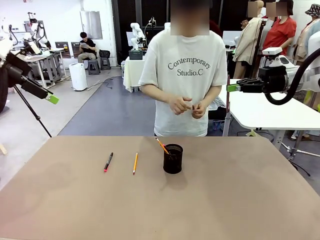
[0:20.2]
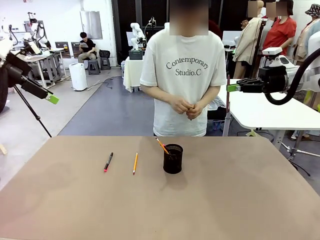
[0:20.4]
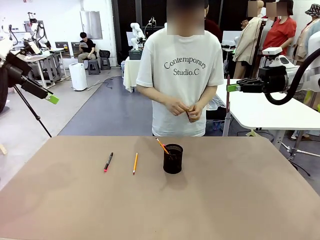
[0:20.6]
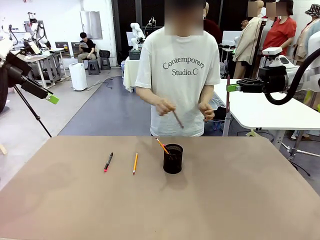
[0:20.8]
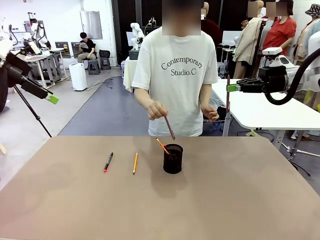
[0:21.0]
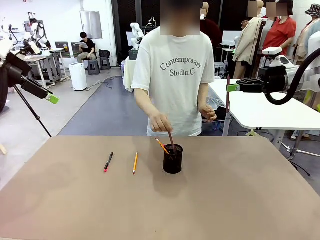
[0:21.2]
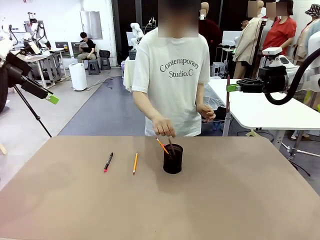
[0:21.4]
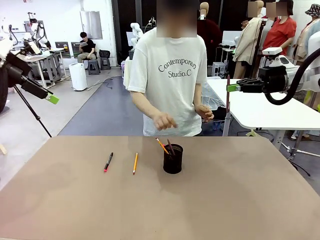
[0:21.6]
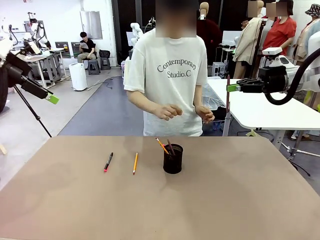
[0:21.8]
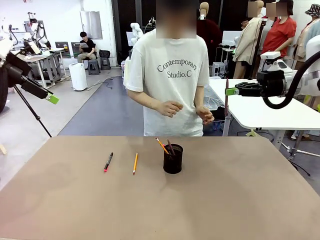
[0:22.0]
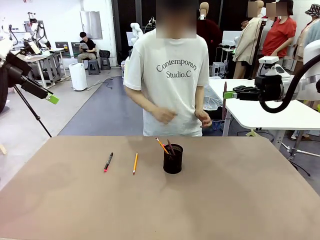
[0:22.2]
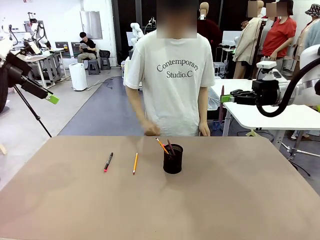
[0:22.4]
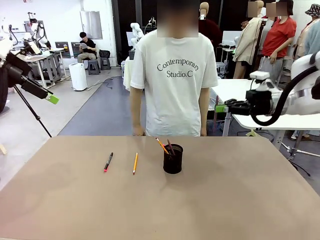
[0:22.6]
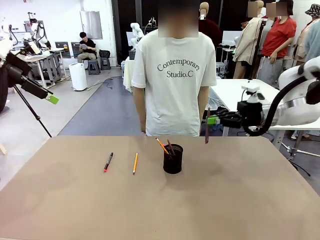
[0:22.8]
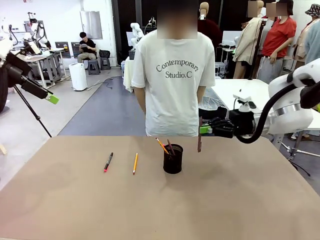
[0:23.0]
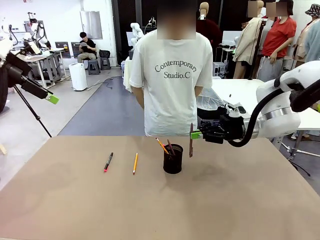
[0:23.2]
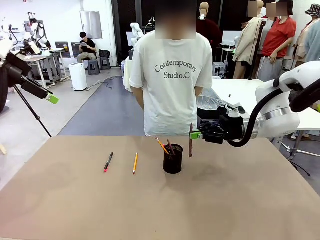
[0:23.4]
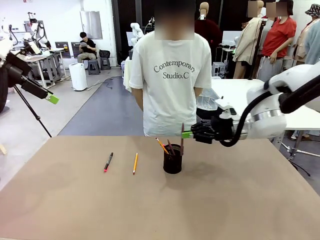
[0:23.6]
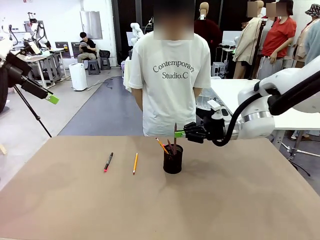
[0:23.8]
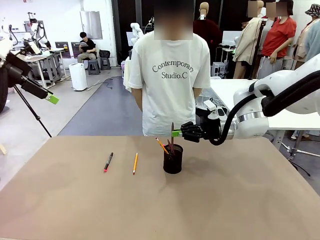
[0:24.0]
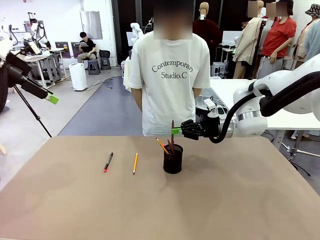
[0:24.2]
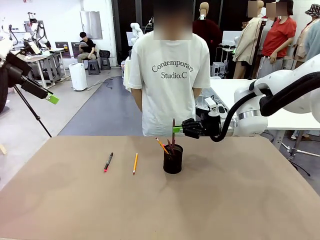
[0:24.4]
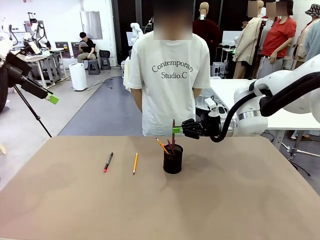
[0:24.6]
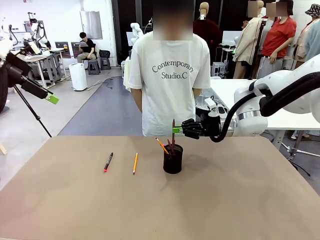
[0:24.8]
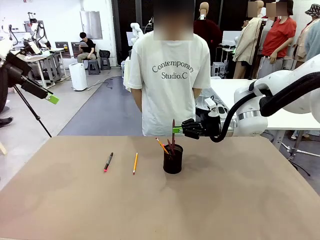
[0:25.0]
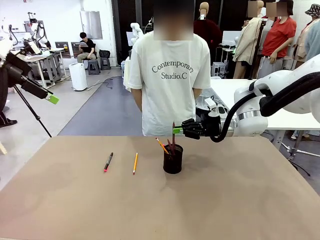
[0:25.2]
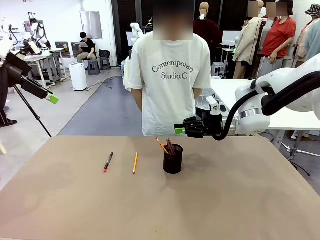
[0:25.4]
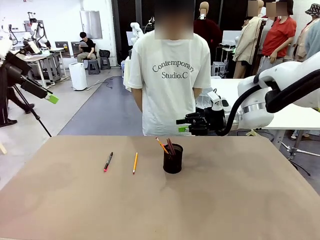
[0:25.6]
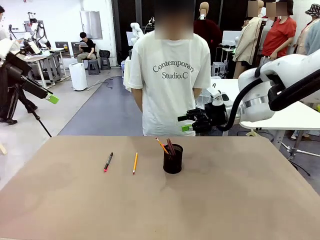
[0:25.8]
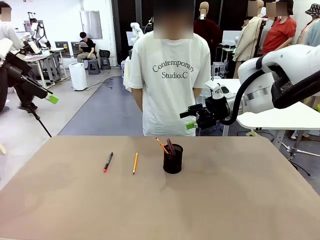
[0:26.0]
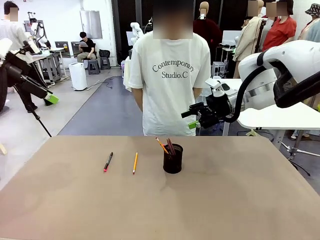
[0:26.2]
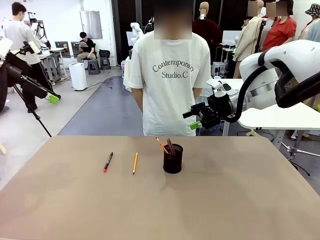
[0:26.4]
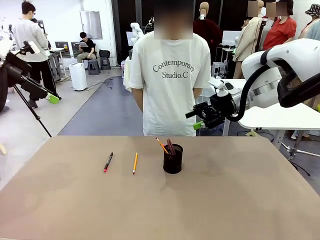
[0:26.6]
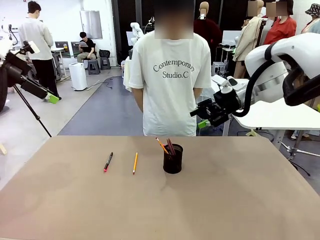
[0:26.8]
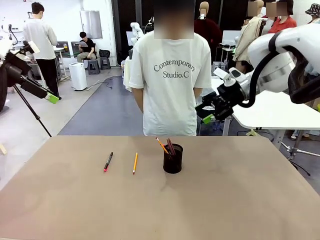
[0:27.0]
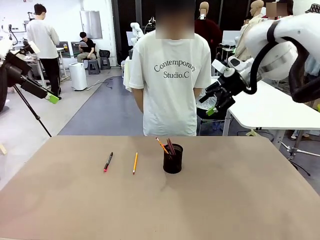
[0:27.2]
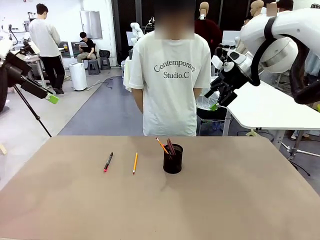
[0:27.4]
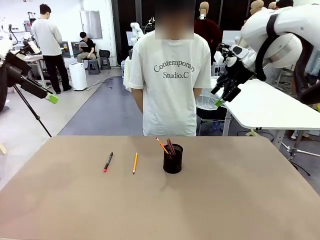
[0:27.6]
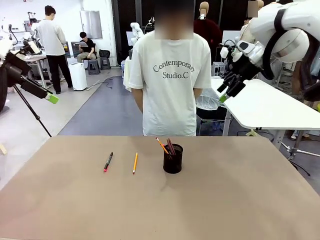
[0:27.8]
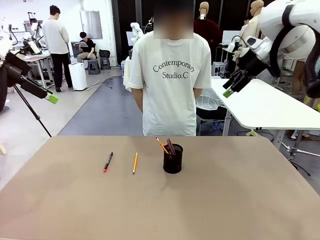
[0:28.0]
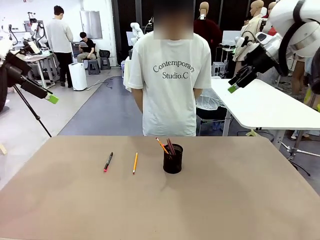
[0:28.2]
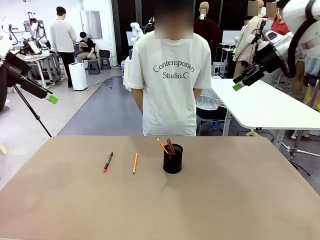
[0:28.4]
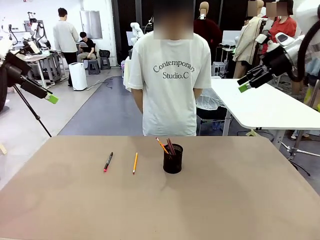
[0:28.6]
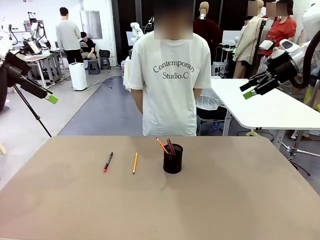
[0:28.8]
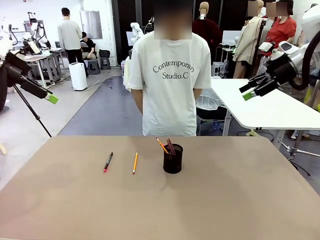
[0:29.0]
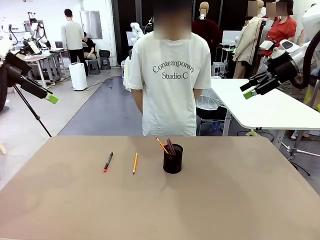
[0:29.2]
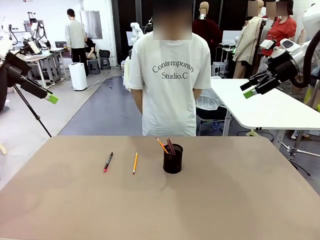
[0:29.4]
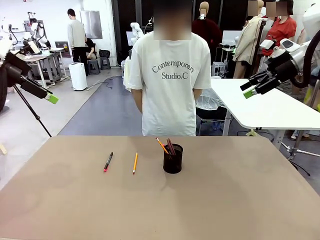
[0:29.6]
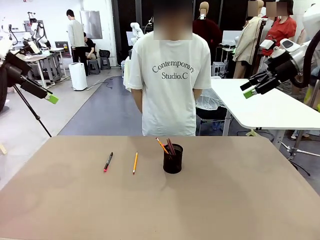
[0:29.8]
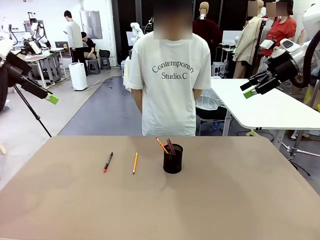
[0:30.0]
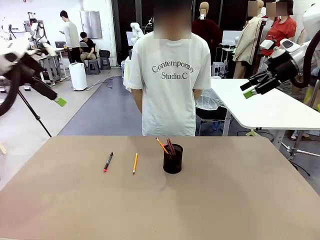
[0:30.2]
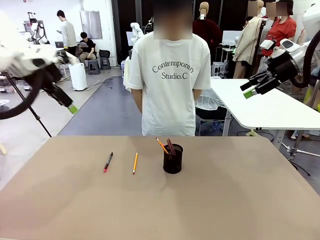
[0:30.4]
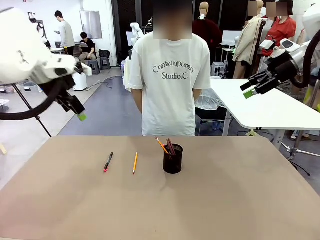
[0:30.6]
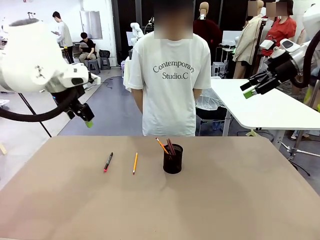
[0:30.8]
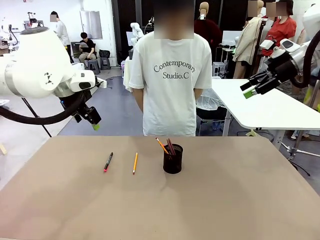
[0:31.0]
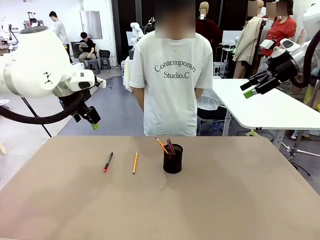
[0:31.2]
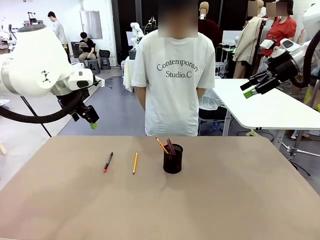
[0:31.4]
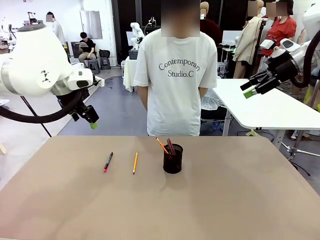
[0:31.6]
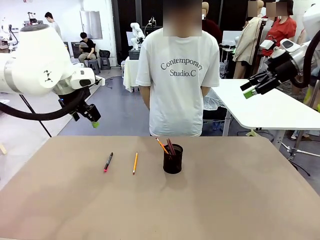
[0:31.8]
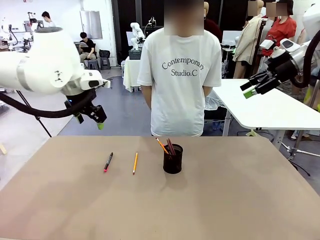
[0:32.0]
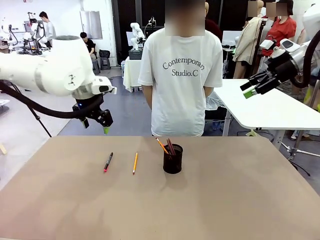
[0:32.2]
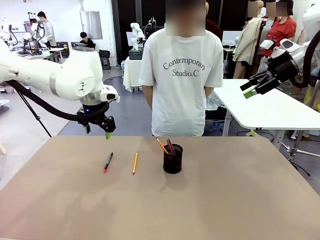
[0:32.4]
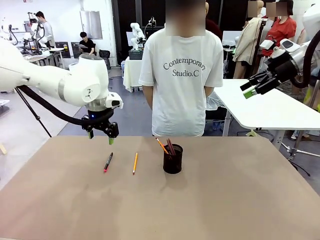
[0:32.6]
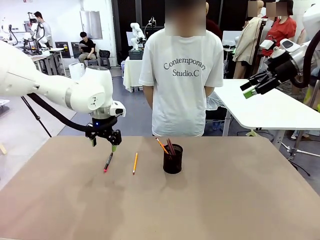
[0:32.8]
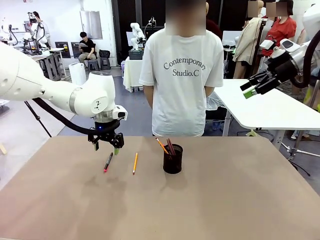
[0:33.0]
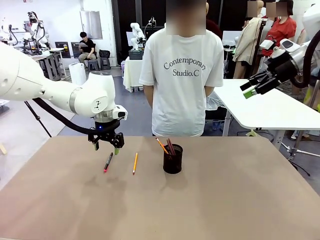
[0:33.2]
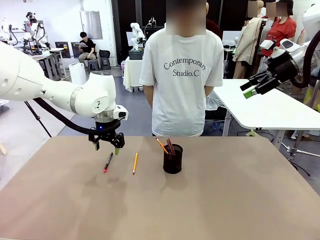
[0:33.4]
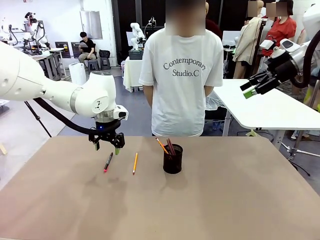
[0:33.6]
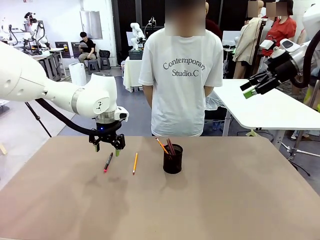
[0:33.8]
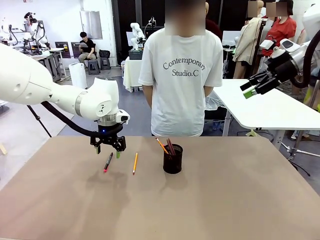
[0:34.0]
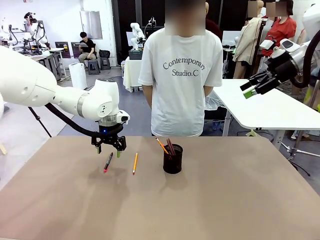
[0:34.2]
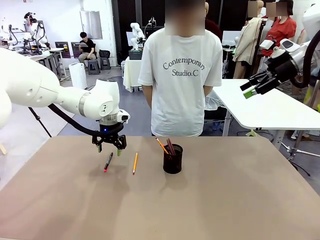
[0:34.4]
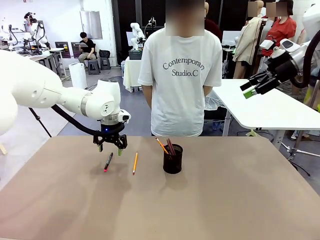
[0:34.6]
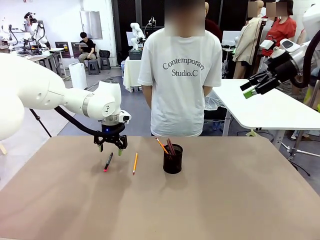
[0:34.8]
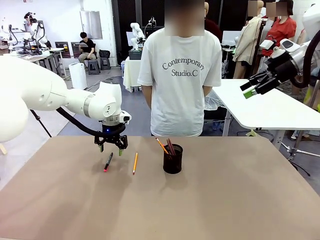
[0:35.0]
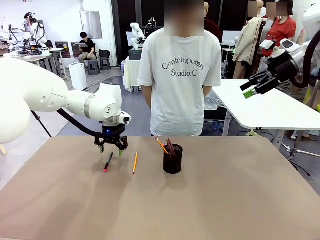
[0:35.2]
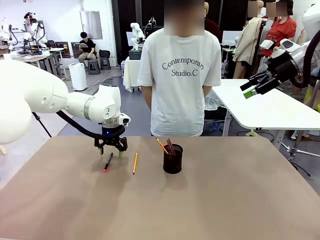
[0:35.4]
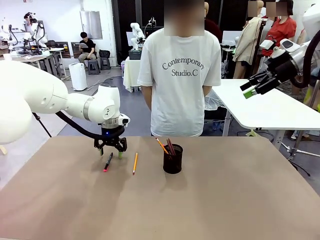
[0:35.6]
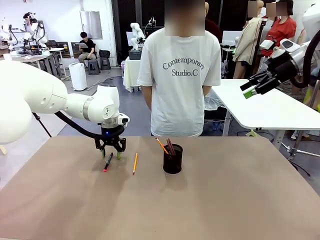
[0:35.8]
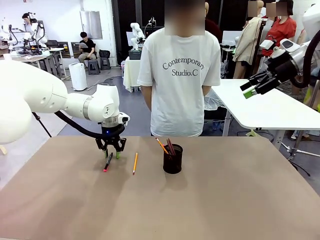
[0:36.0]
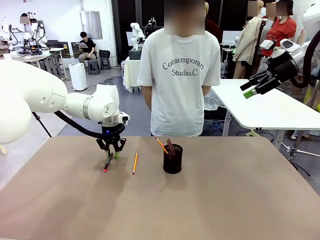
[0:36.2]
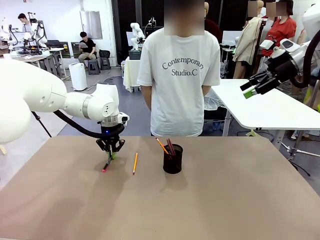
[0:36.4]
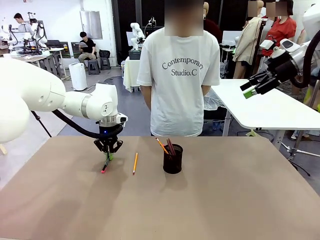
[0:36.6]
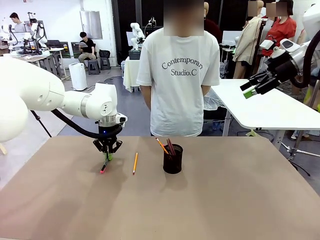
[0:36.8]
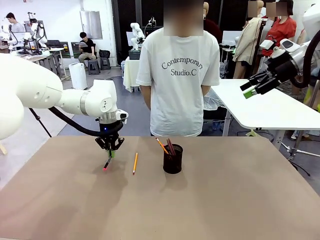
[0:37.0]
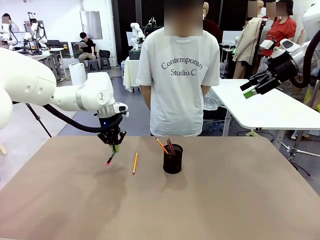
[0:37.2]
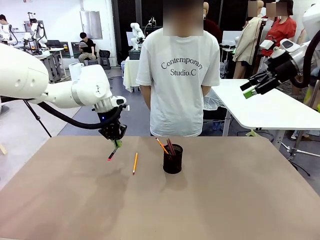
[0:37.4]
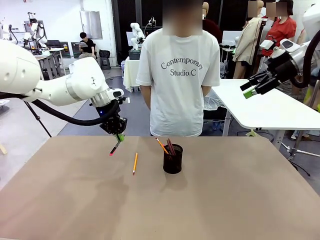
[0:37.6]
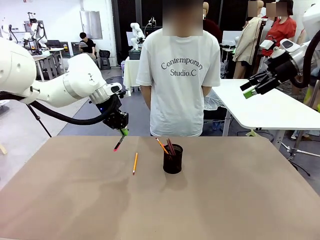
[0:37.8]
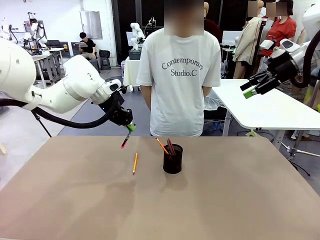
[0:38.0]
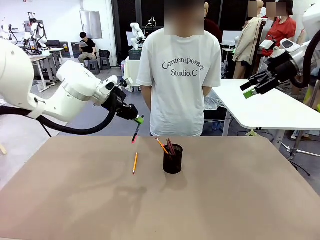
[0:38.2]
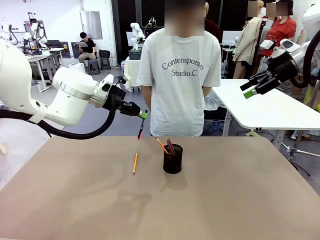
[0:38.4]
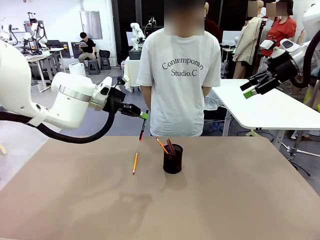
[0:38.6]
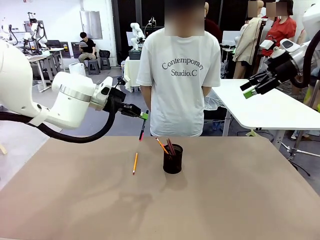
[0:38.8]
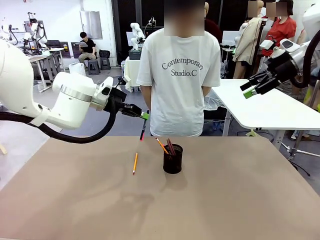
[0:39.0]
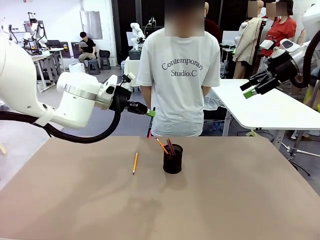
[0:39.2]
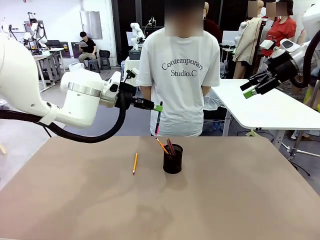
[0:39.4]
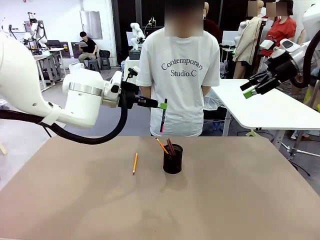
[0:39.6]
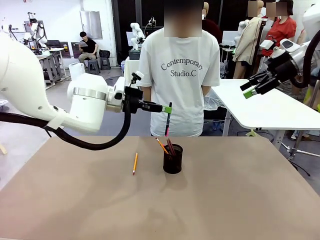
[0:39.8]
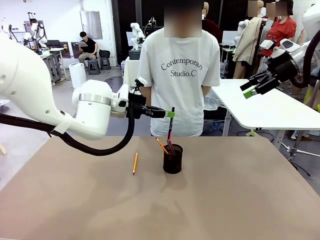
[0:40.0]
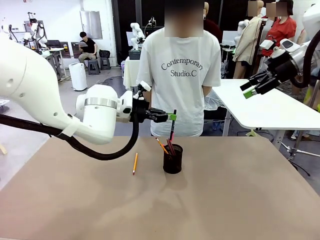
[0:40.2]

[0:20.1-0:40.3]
Task: Place the pens into the pen holder.
Robot: Pick up a writing instrument from the table and place it into the Pen holder.
